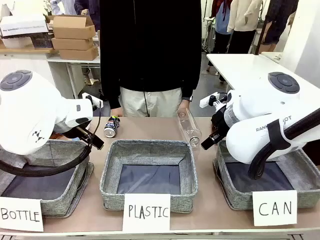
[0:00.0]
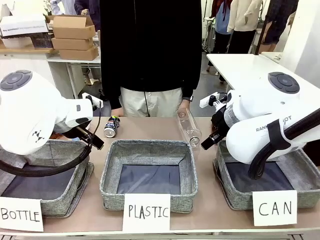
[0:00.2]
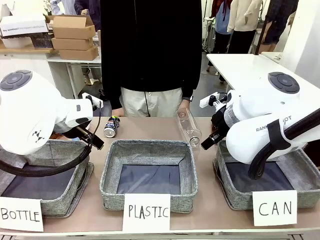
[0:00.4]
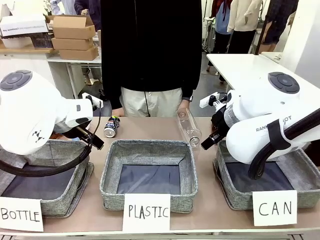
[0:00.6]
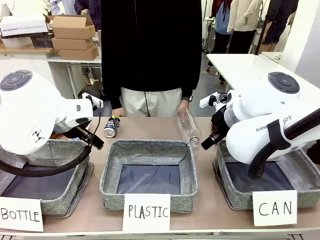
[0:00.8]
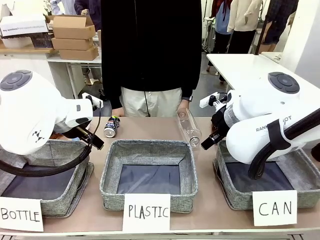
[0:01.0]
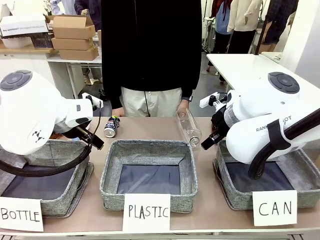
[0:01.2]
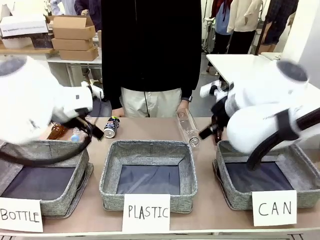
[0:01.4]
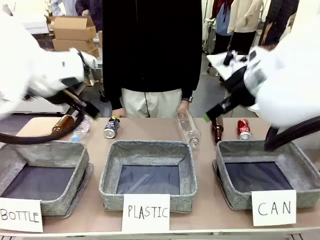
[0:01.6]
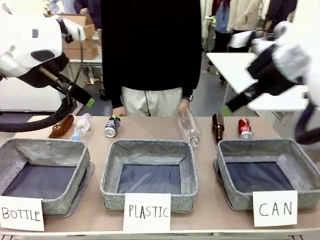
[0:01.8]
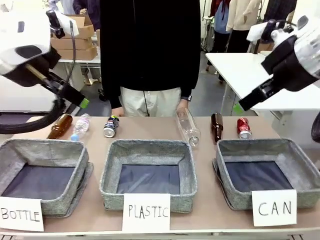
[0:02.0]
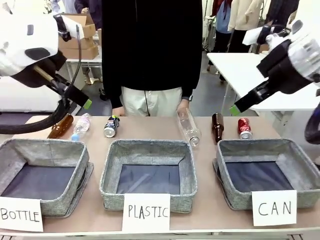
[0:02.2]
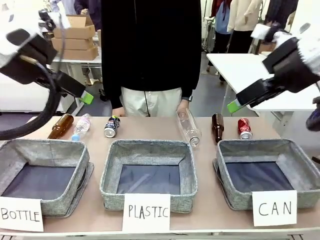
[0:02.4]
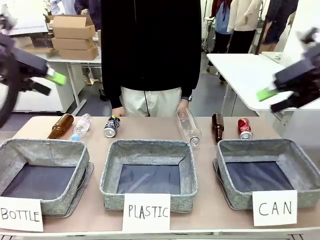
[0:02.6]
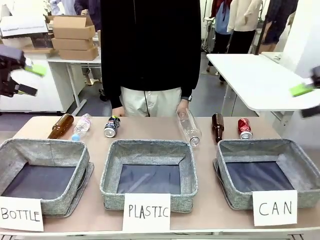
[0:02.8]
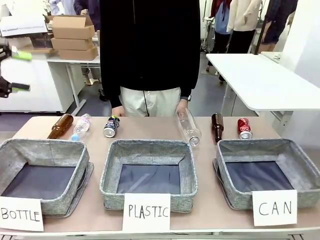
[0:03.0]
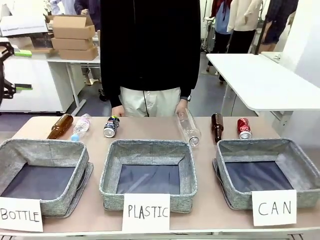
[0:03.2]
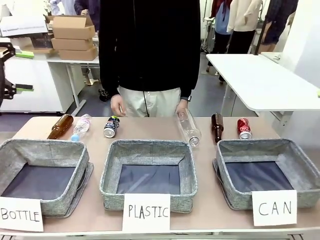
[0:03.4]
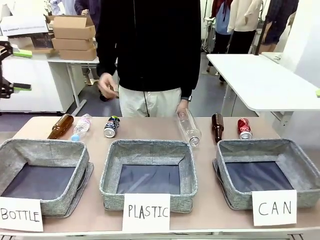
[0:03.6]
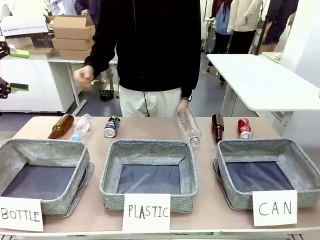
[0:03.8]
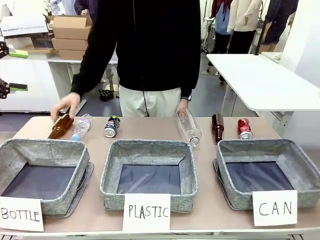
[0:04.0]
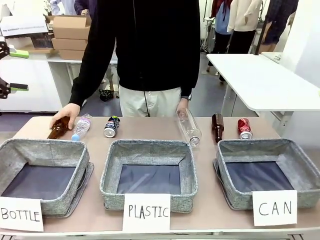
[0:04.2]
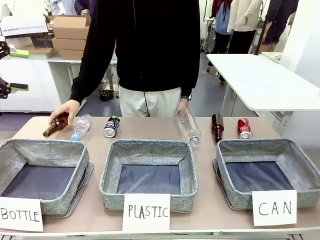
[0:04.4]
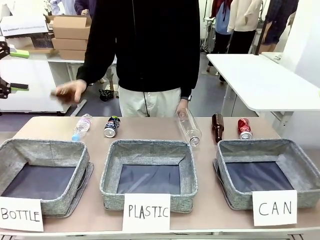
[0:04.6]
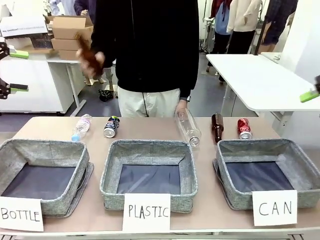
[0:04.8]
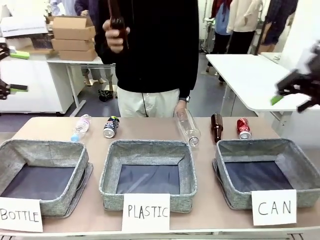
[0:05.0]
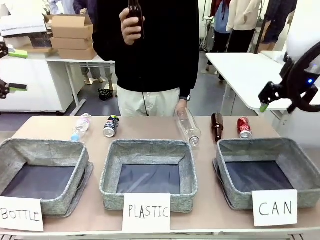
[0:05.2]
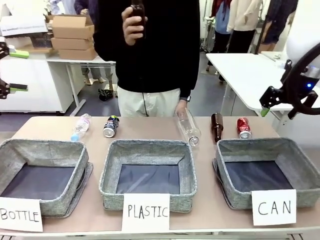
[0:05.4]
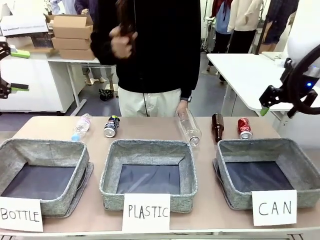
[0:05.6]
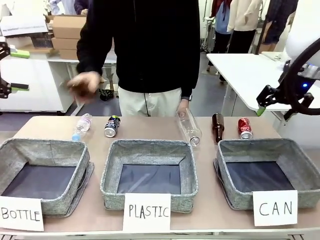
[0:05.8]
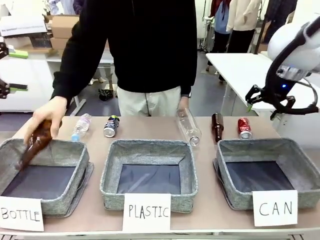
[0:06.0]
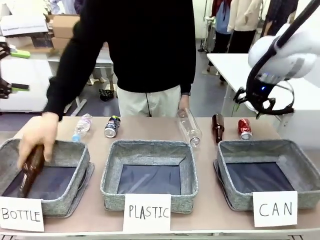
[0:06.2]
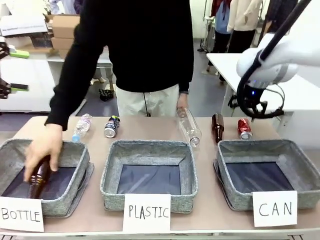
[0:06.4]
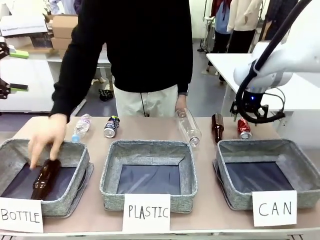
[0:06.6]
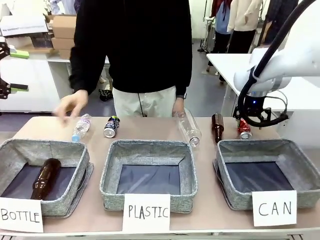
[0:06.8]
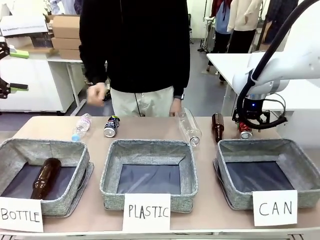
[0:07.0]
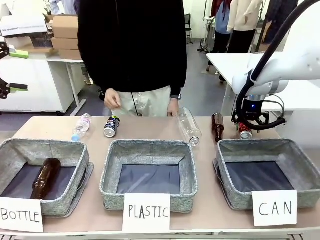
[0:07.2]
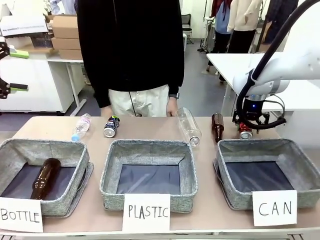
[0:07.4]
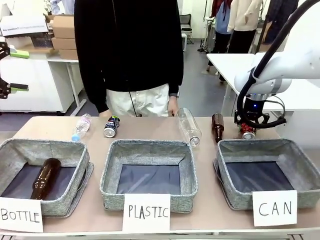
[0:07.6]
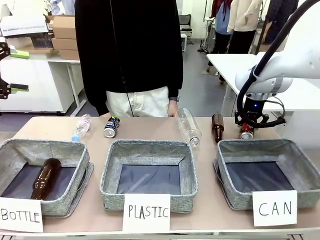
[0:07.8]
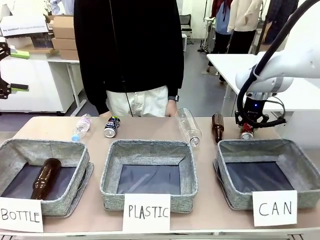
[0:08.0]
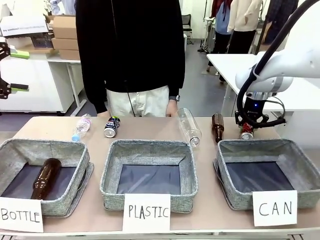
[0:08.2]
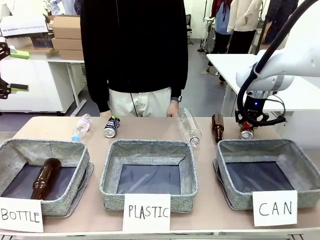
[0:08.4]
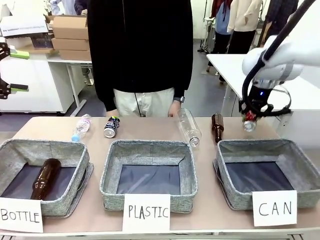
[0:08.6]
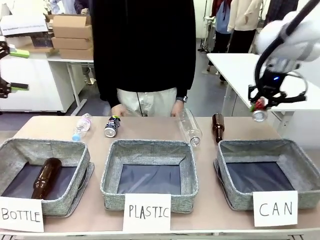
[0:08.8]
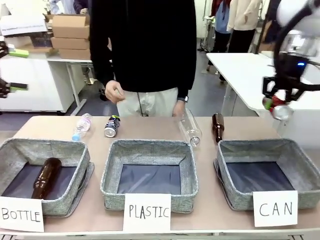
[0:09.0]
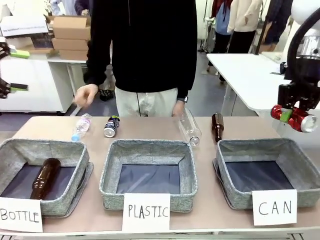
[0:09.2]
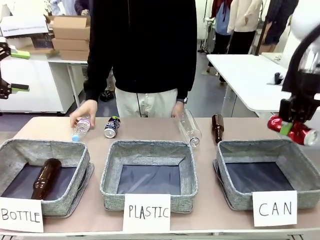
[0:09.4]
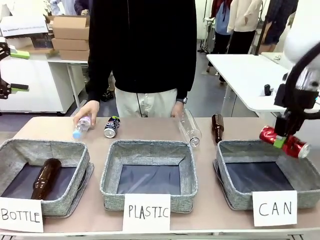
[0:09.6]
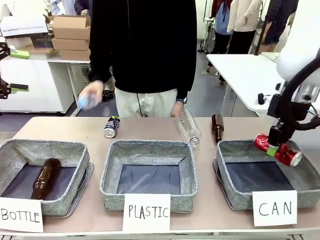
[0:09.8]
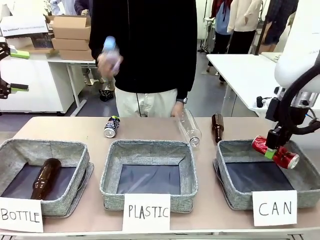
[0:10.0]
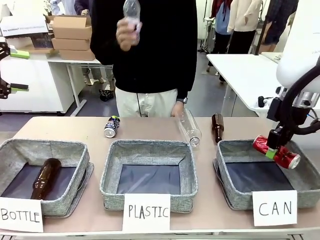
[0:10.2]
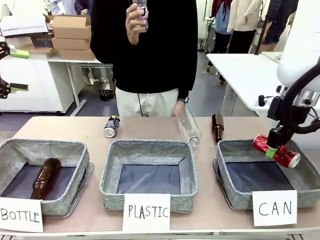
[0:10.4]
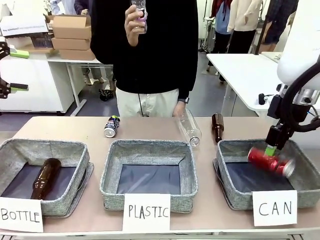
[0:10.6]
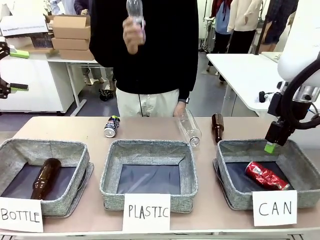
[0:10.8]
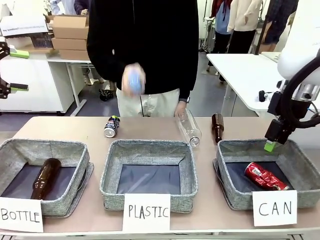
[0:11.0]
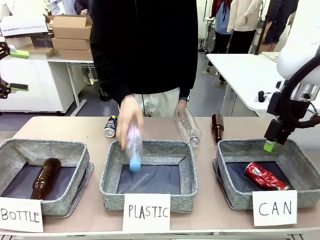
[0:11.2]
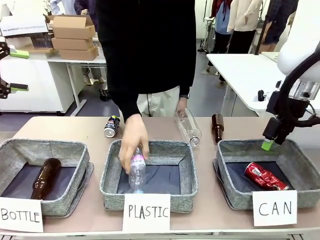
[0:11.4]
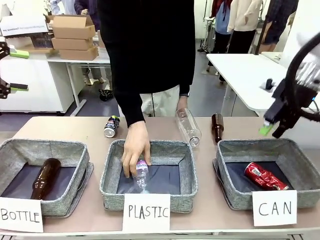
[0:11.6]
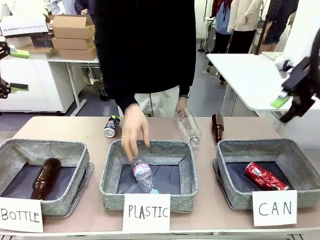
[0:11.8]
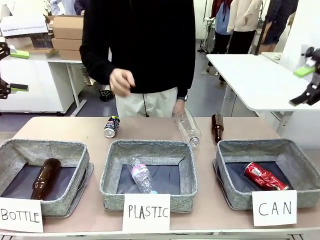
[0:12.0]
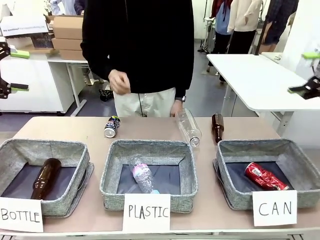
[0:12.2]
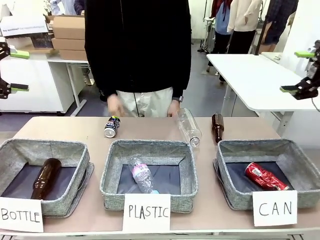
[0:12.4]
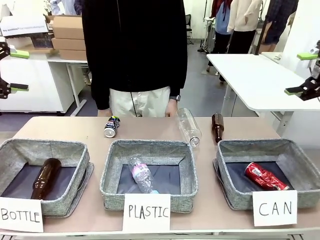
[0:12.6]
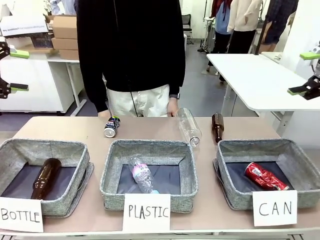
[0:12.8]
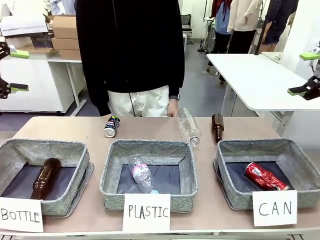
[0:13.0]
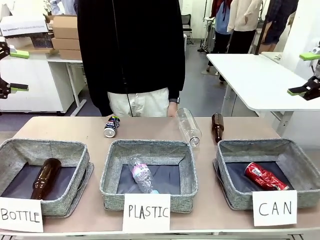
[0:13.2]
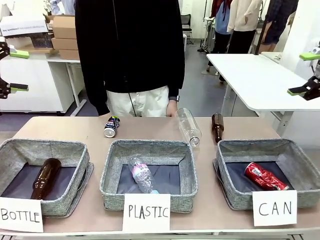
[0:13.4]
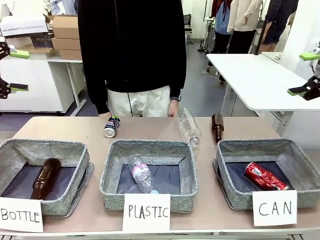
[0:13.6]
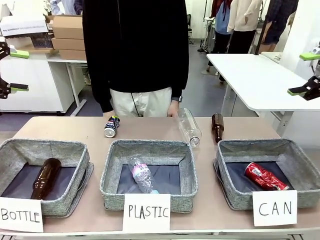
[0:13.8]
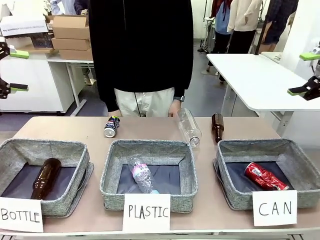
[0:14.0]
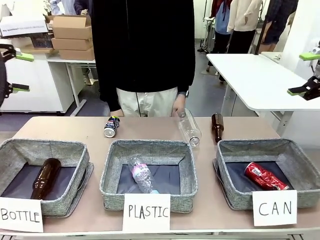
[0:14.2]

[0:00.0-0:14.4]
Task: Sort the can waste into the basket.
Robot: Pick up the can waste from the table and place it in the right Fabric basket.
